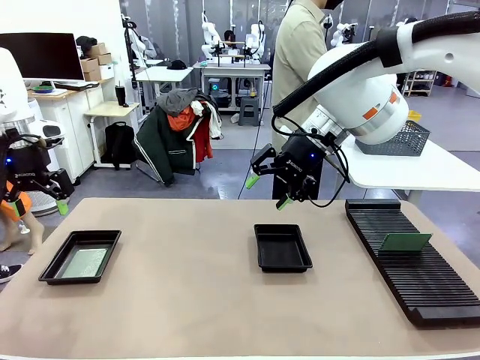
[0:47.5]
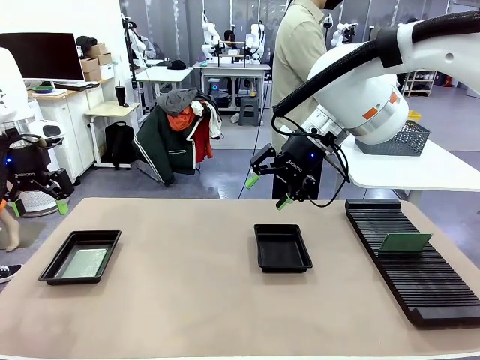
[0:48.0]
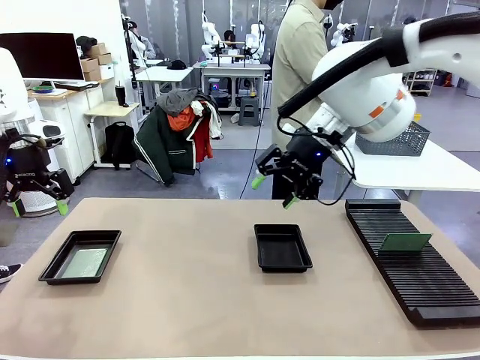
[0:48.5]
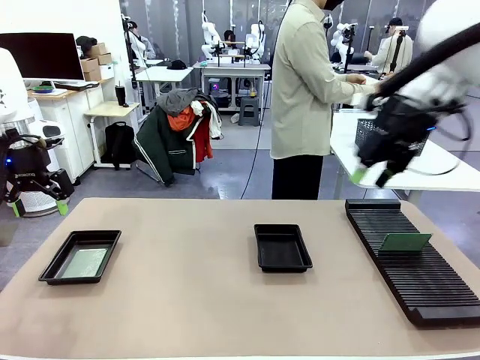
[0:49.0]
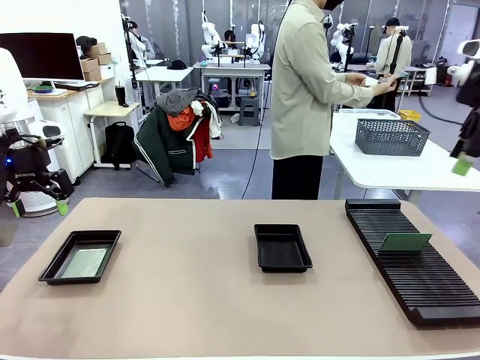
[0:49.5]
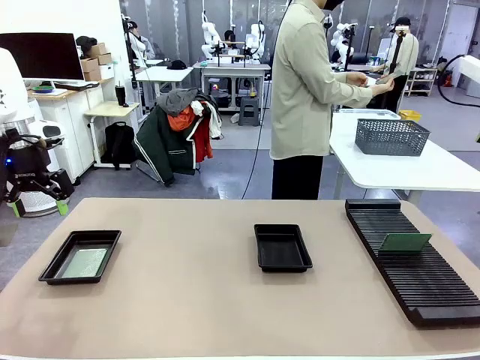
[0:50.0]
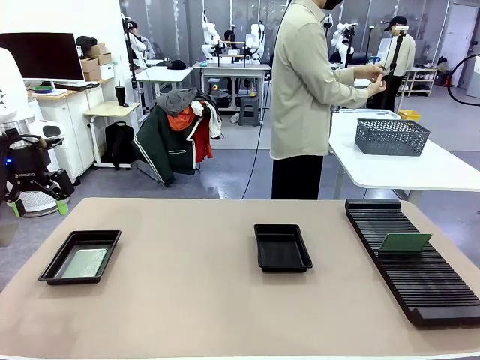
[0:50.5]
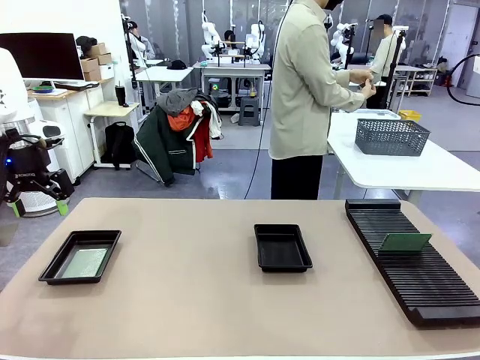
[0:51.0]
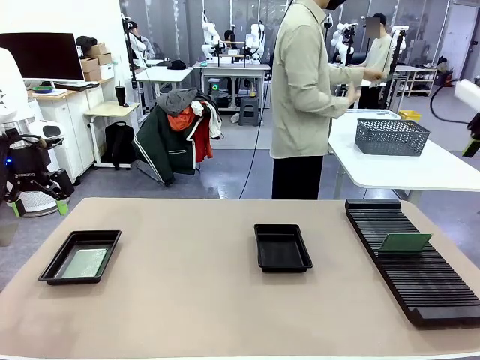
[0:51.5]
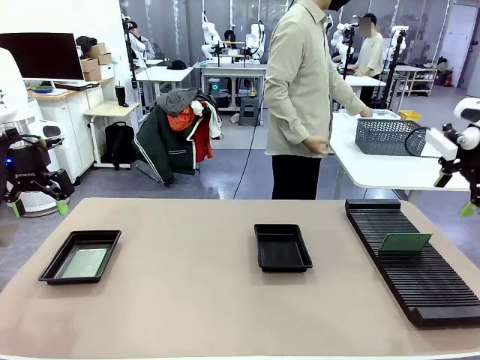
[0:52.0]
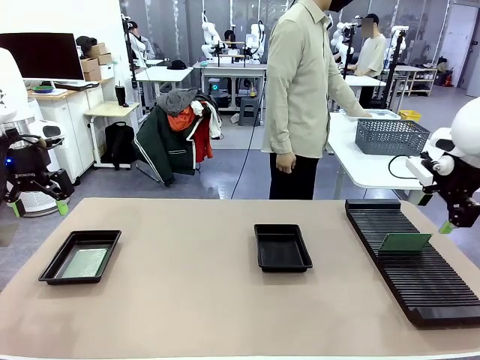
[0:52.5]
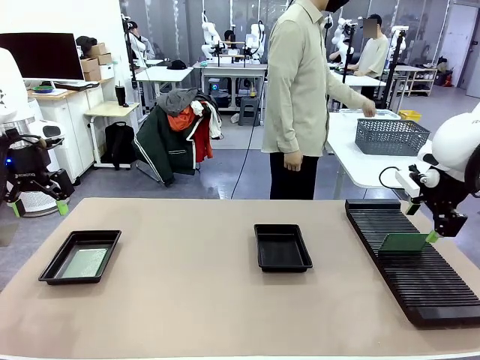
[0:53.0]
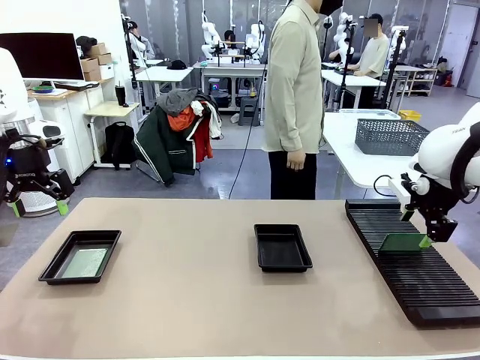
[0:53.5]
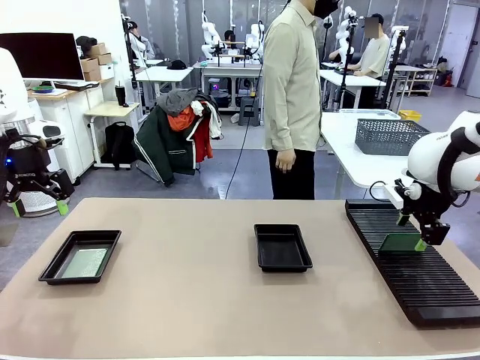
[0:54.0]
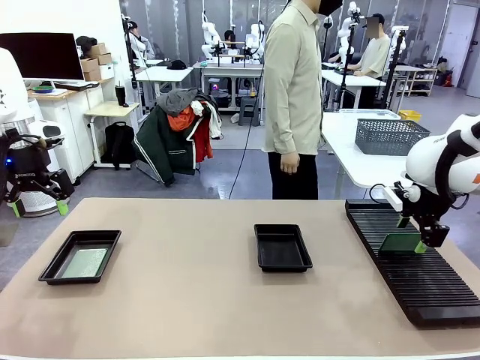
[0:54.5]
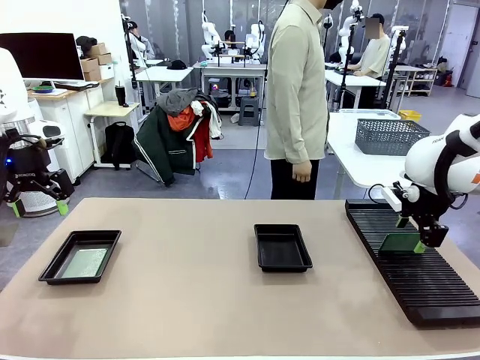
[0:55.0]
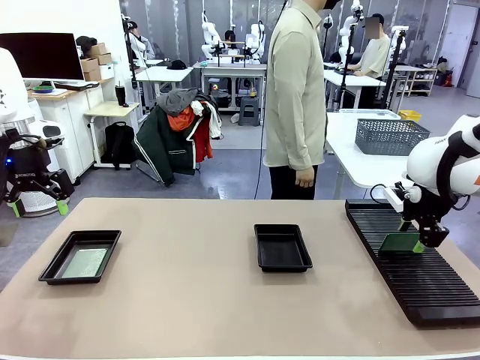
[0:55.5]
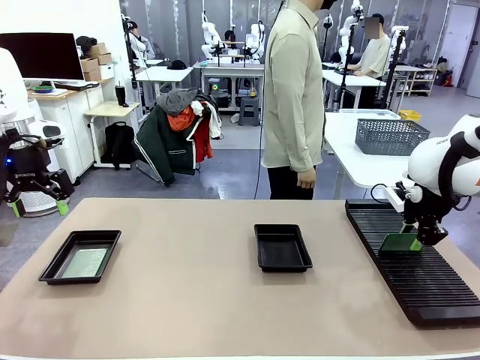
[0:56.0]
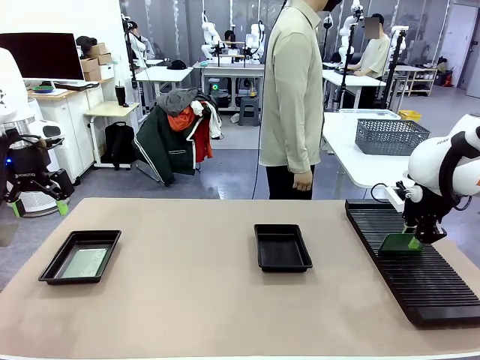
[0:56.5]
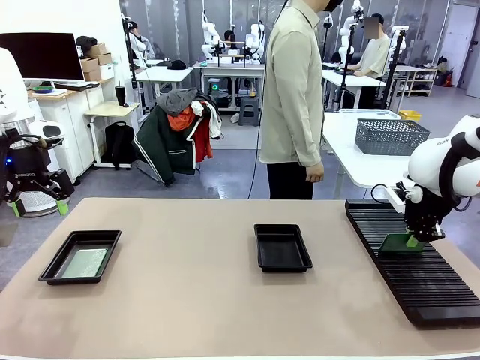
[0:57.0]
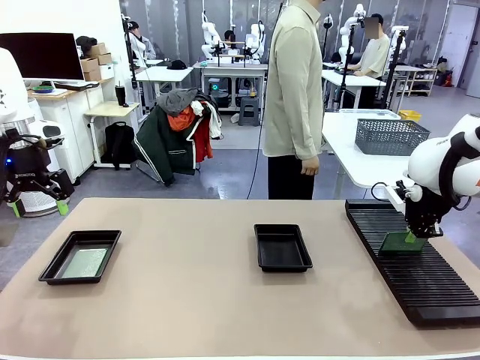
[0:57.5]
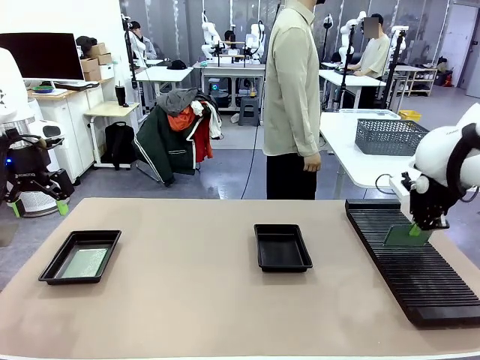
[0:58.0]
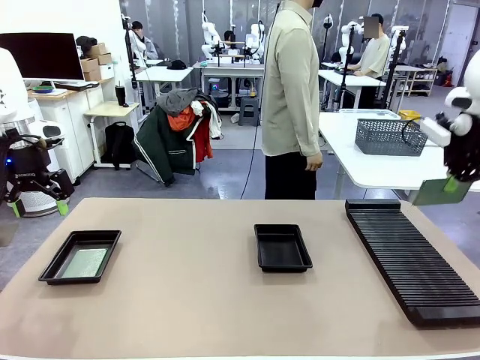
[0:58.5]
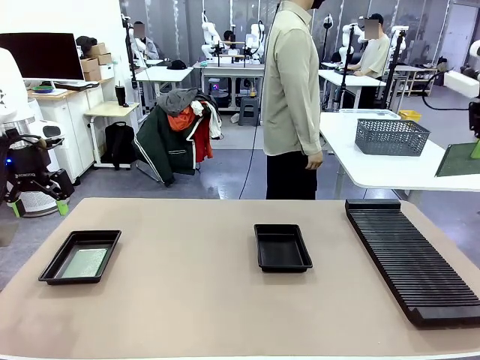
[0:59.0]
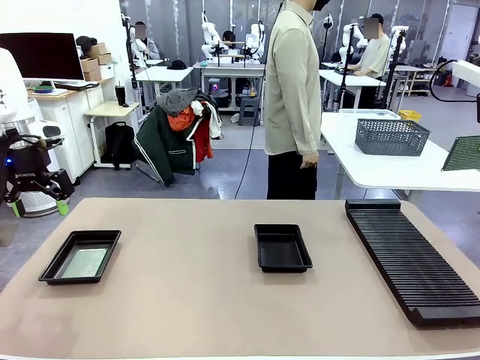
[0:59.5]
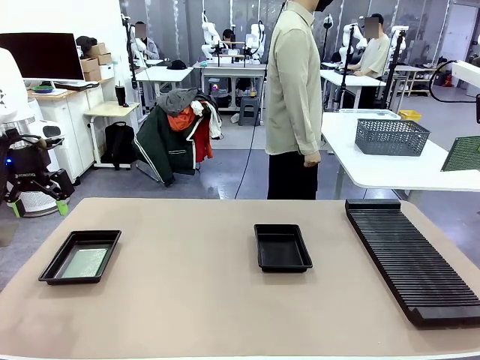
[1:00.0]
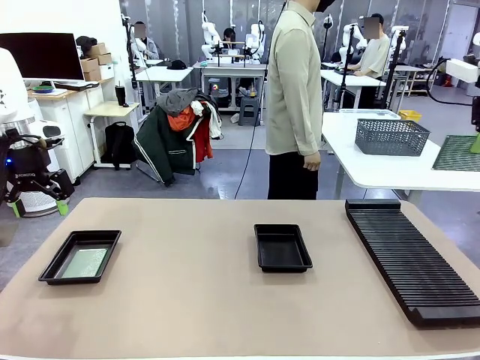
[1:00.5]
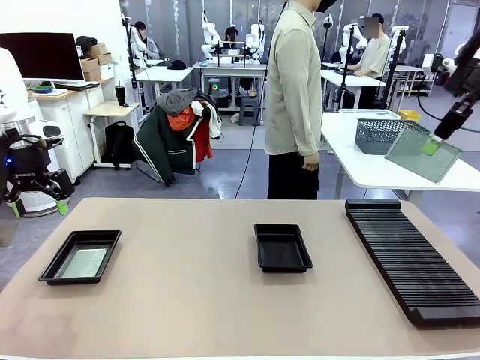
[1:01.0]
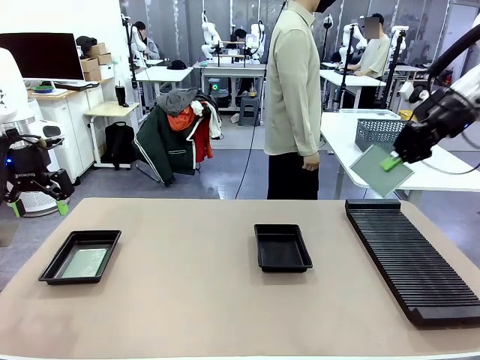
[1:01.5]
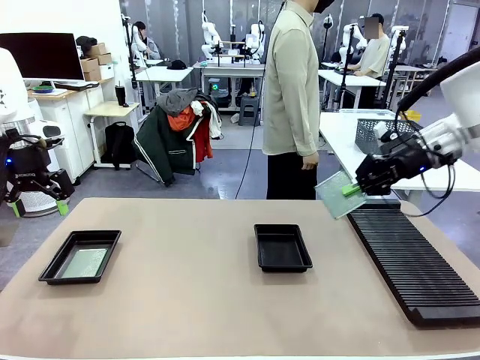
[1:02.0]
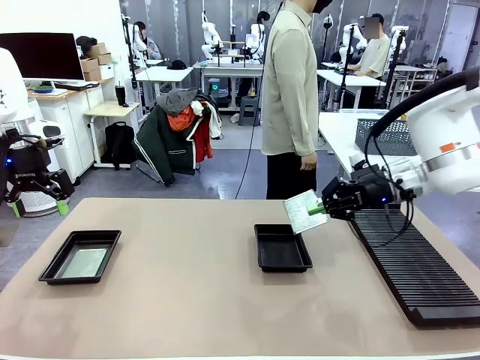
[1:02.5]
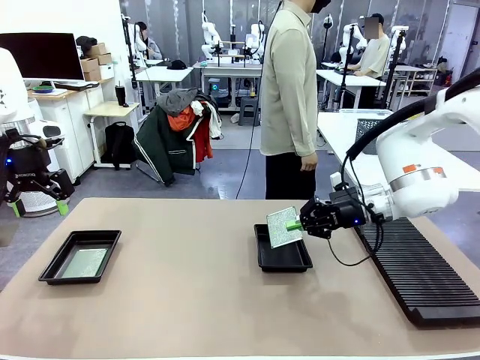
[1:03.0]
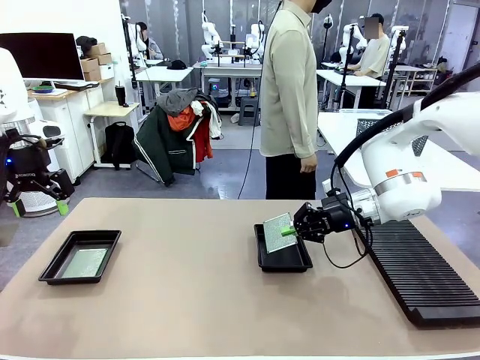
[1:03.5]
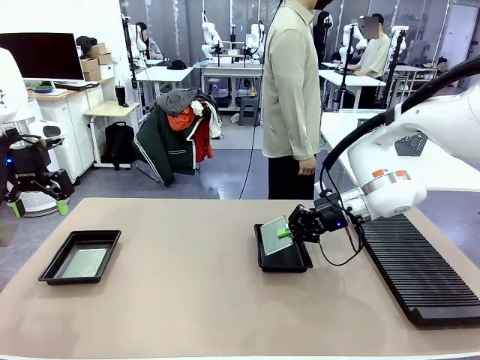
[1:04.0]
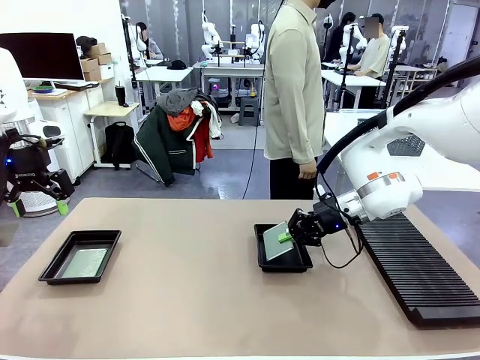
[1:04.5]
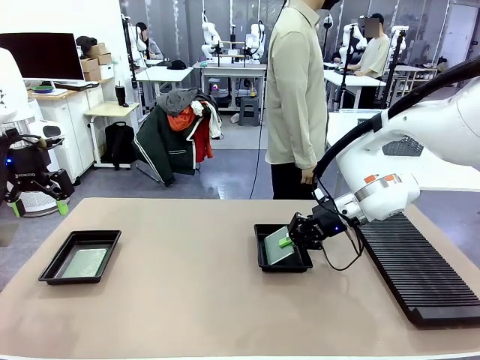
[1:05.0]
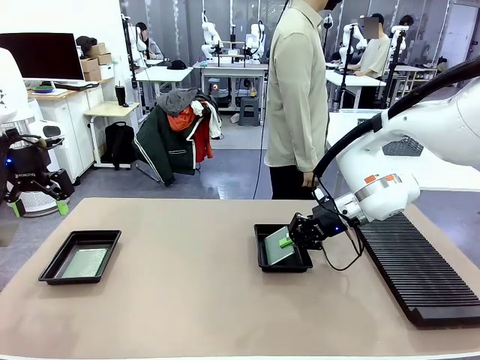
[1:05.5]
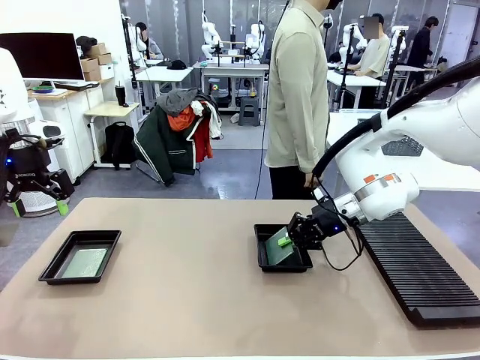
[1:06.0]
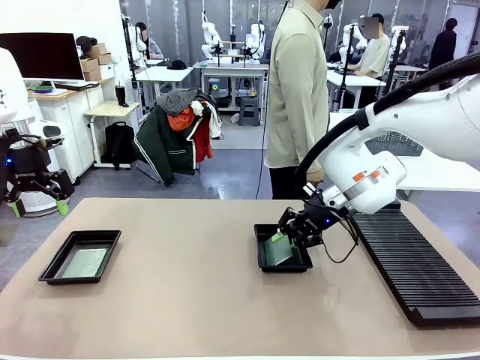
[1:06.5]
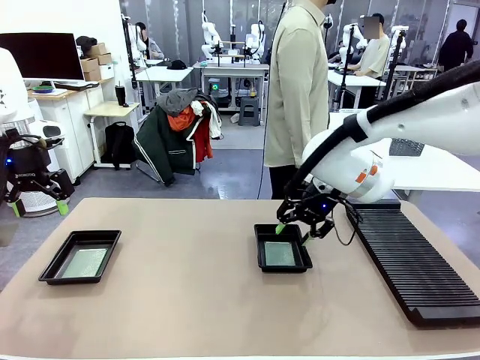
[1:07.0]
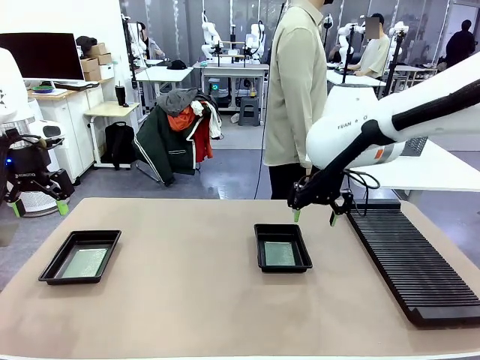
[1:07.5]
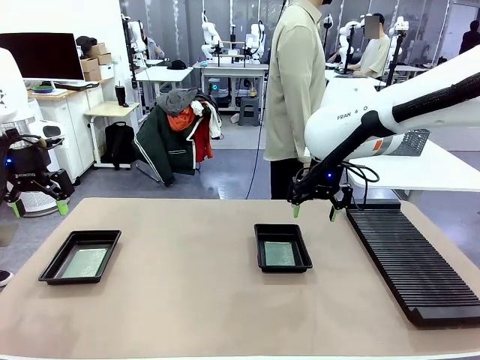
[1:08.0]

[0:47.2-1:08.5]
Task: Inspect and transfer BCBs to ESD trays.
Robot: Pick up the Blank PCB from the PCB Rack and place it in the right ESD tray.

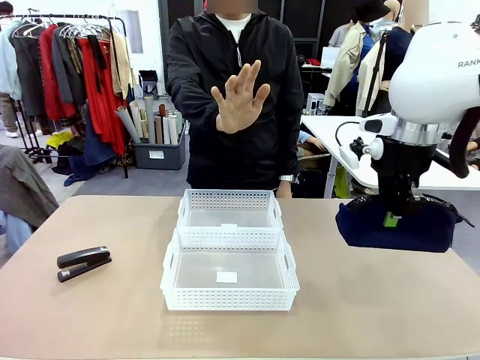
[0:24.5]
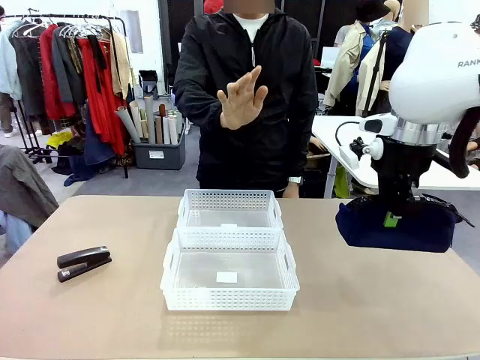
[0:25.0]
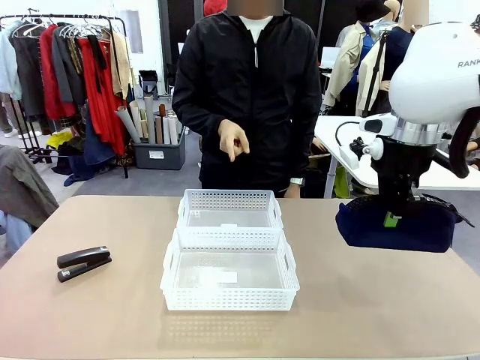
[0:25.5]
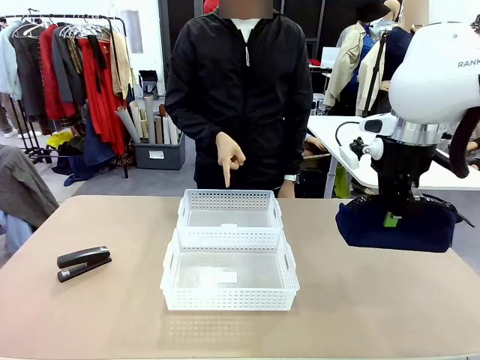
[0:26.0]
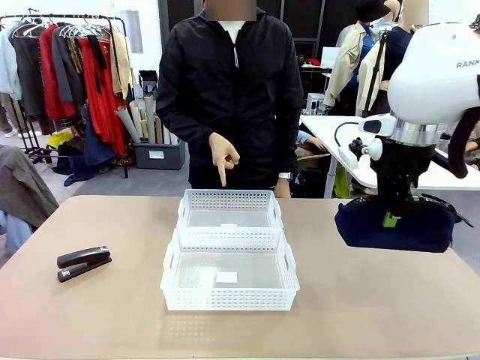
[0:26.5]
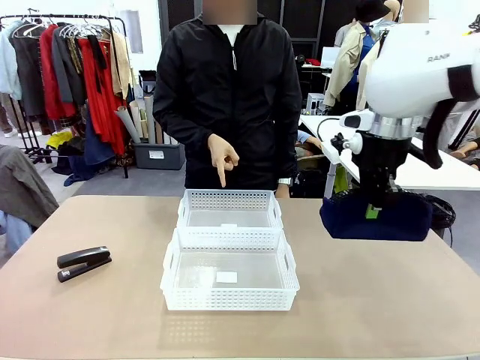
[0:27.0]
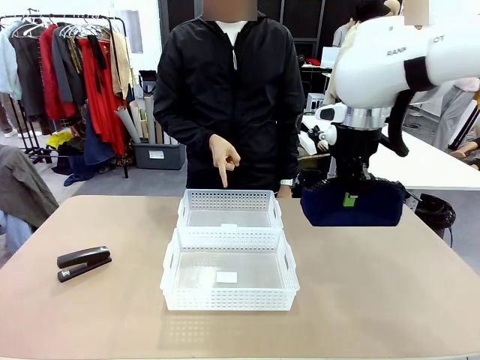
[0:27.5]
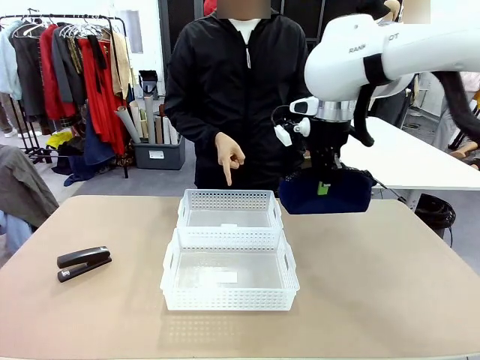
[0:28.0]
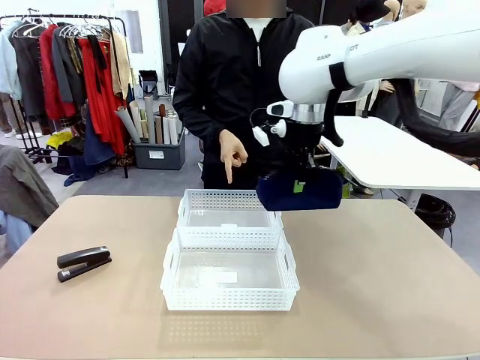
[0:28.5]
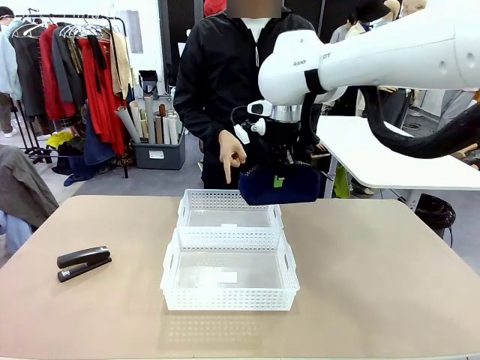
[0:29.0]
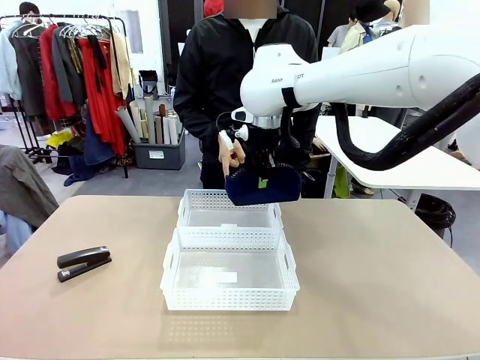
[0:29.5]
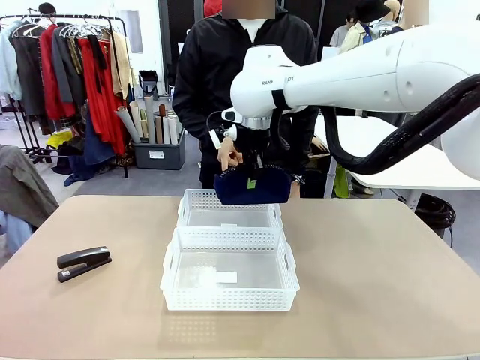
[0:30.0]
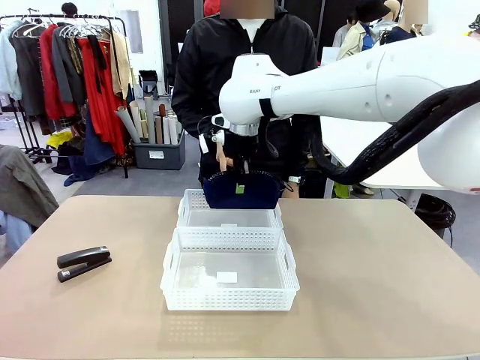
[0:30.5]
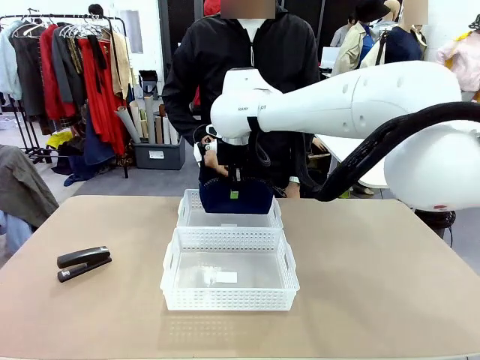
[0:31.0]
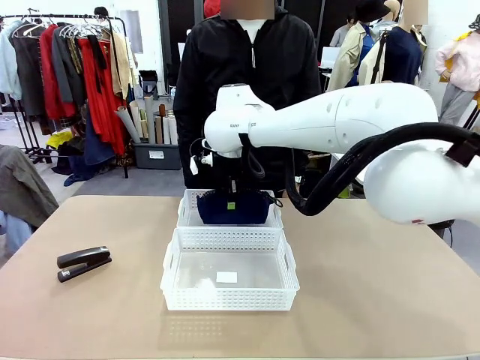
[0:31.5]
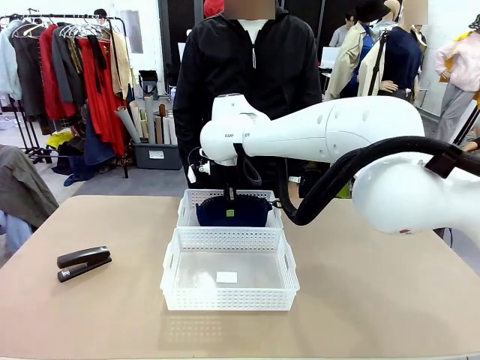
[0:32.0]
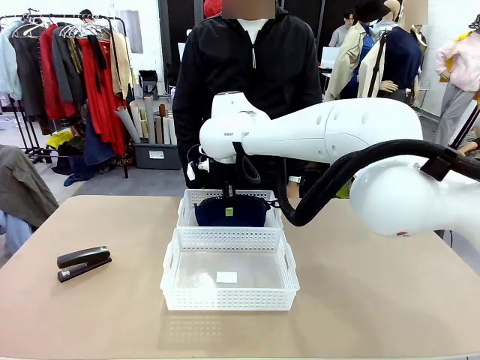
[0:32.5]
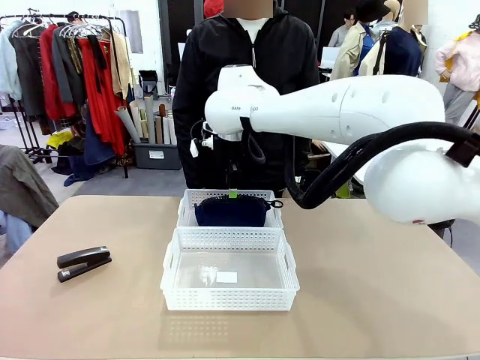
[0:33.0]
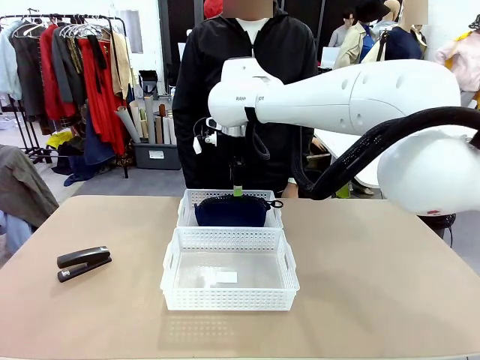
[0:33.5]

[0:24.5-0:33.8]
Task: Distribute items into two baskets.
Robot: Place the picked Pencil pouch into the Organizing basket as instructed by the person.
Person: Instructs the robot to place the pencil case into the opposite basket. Points to the stapler.
